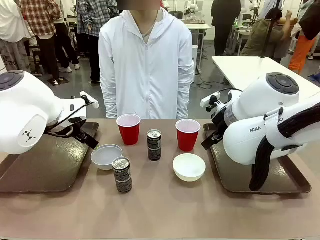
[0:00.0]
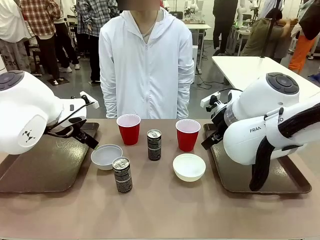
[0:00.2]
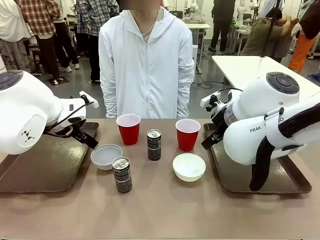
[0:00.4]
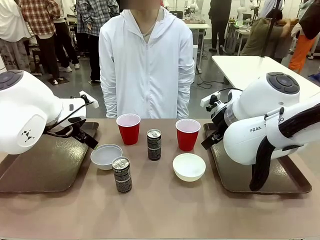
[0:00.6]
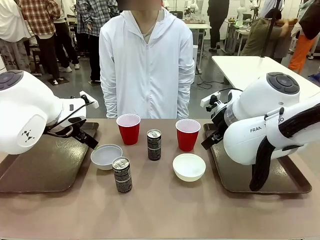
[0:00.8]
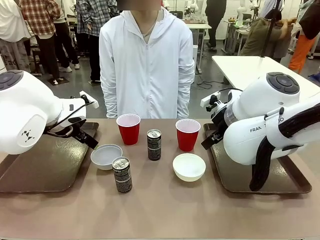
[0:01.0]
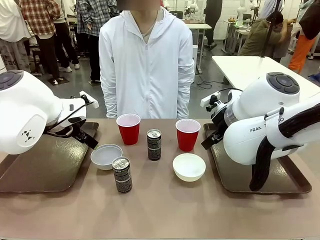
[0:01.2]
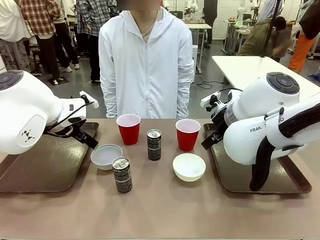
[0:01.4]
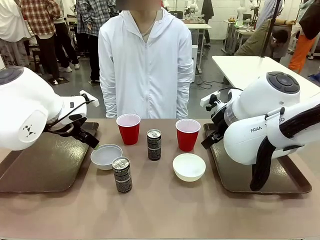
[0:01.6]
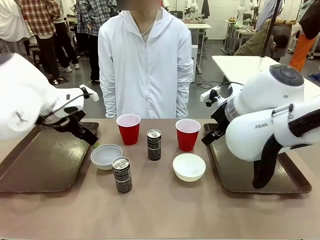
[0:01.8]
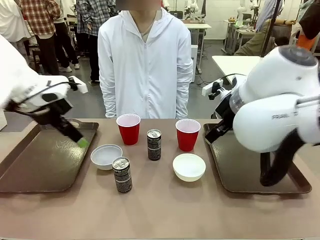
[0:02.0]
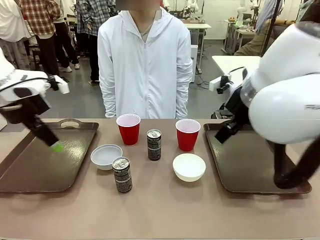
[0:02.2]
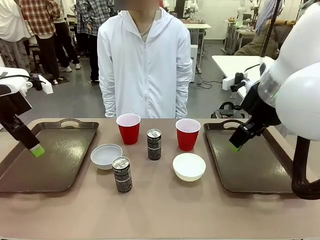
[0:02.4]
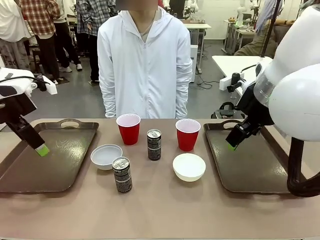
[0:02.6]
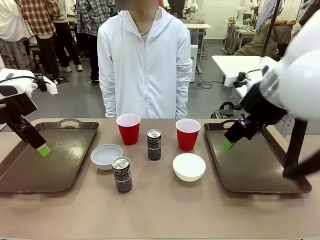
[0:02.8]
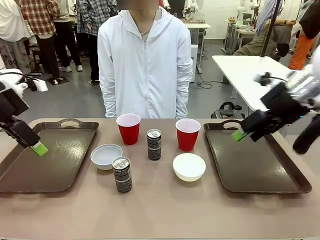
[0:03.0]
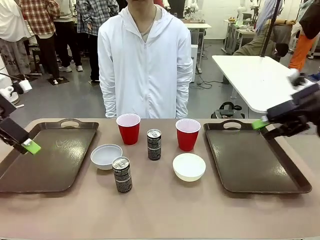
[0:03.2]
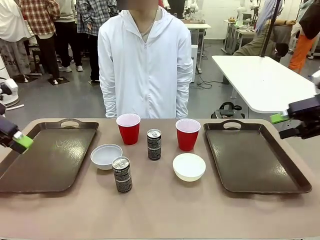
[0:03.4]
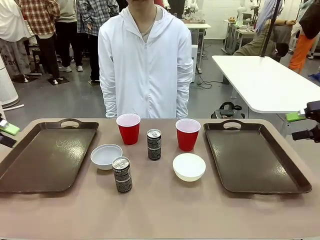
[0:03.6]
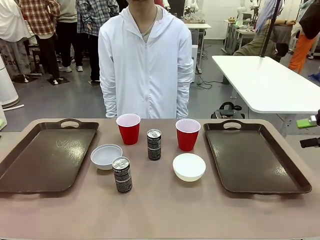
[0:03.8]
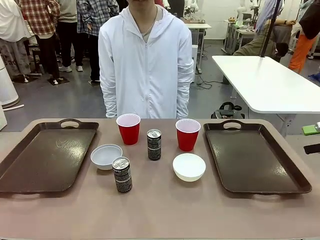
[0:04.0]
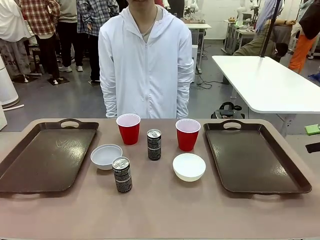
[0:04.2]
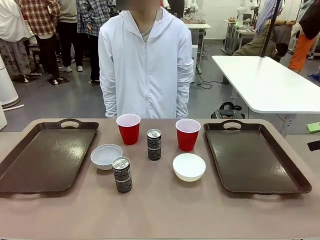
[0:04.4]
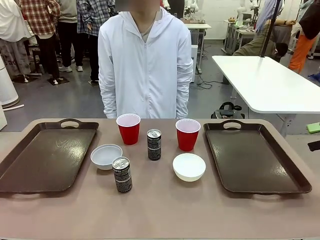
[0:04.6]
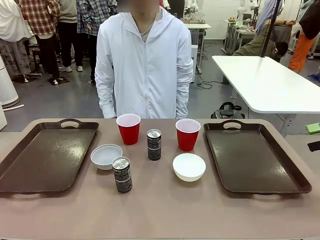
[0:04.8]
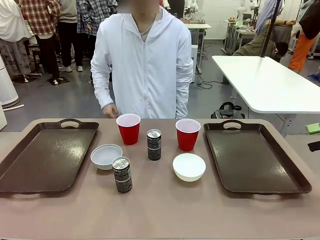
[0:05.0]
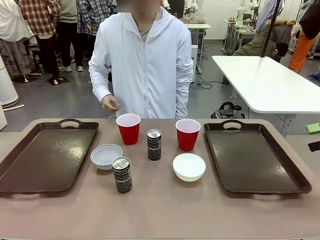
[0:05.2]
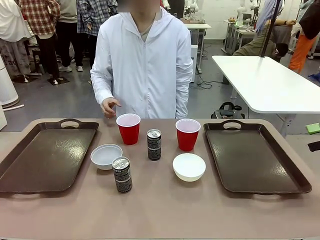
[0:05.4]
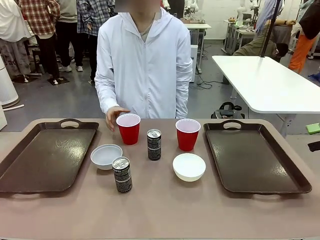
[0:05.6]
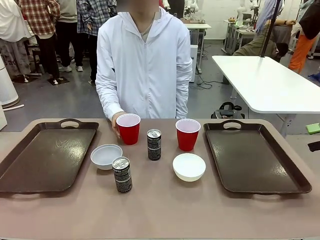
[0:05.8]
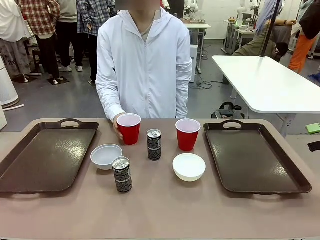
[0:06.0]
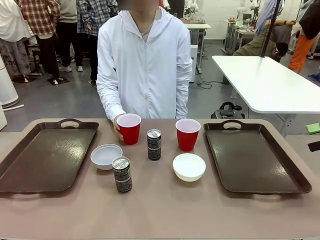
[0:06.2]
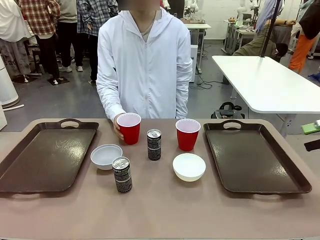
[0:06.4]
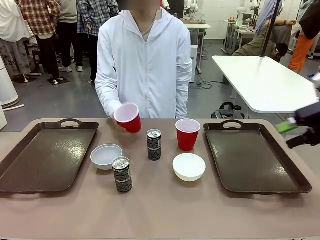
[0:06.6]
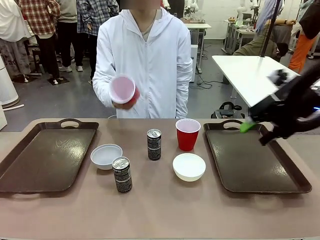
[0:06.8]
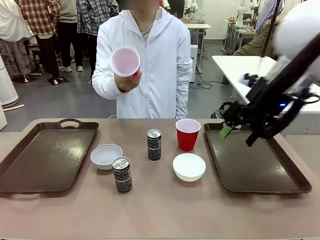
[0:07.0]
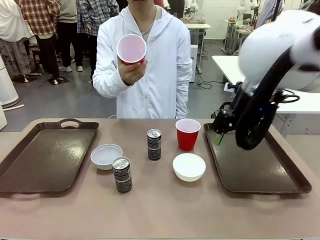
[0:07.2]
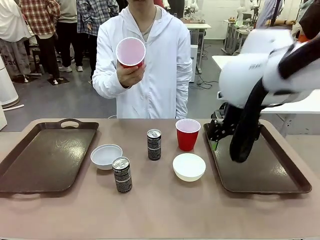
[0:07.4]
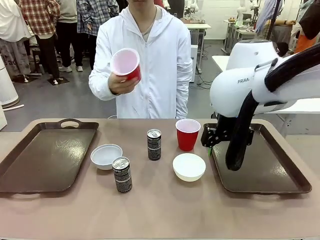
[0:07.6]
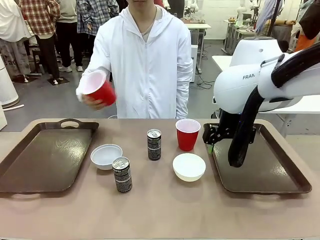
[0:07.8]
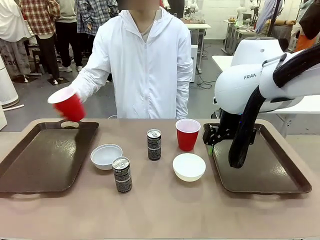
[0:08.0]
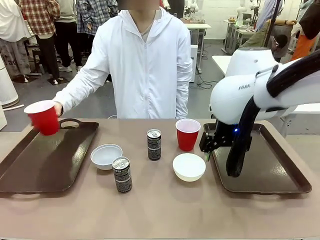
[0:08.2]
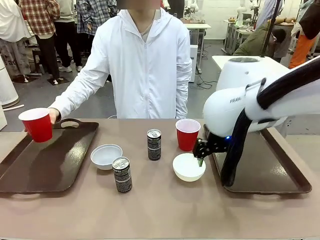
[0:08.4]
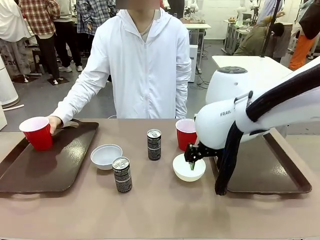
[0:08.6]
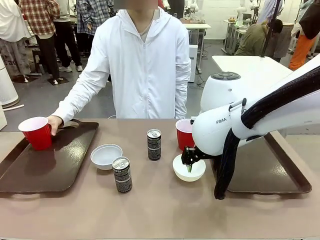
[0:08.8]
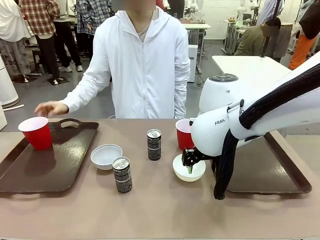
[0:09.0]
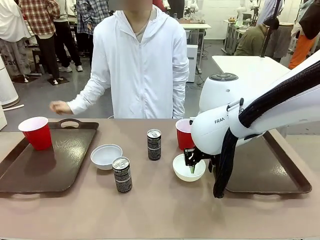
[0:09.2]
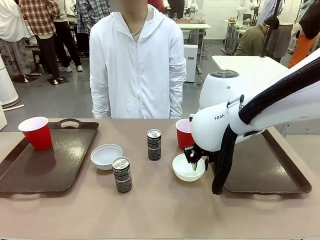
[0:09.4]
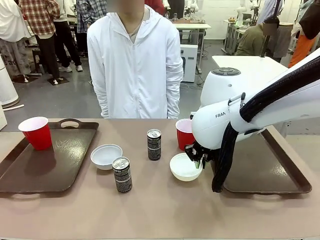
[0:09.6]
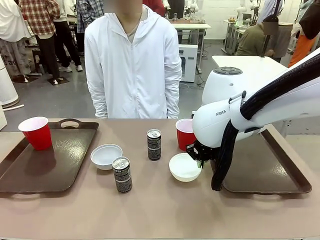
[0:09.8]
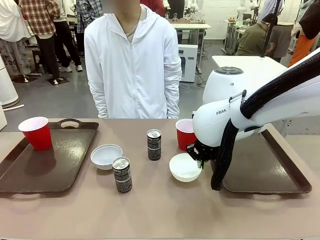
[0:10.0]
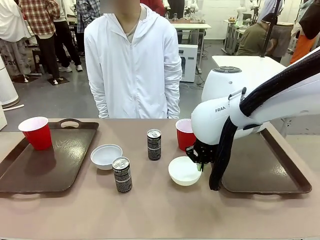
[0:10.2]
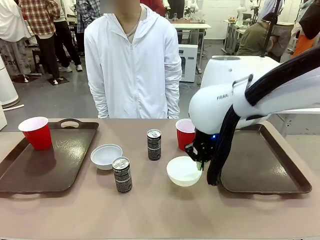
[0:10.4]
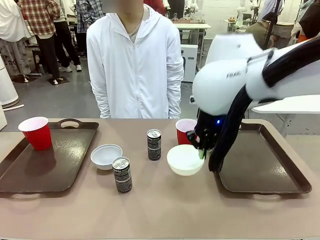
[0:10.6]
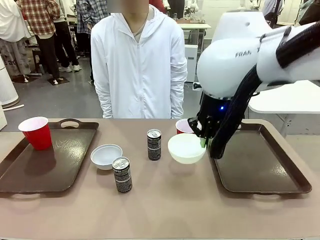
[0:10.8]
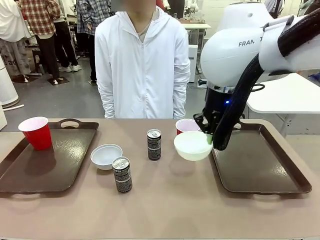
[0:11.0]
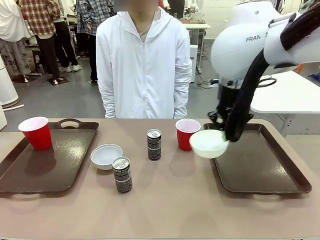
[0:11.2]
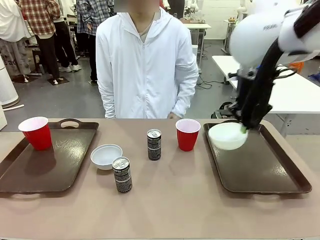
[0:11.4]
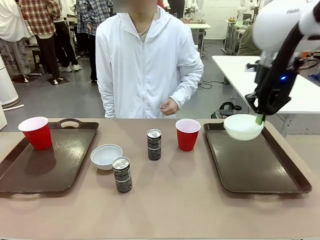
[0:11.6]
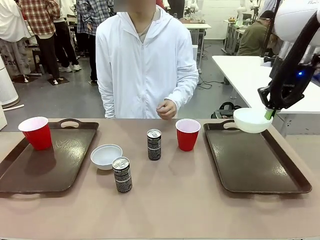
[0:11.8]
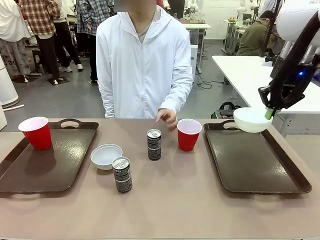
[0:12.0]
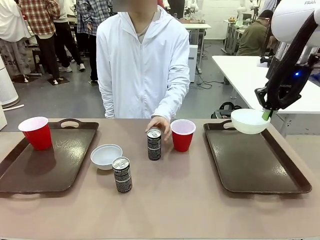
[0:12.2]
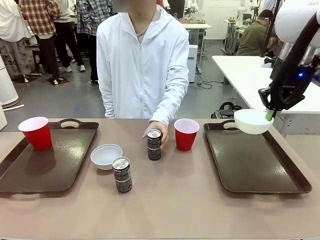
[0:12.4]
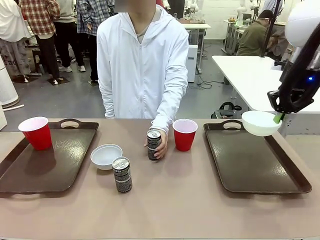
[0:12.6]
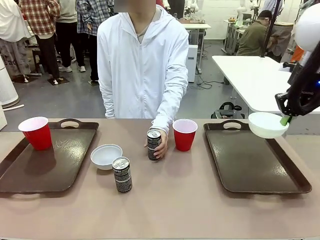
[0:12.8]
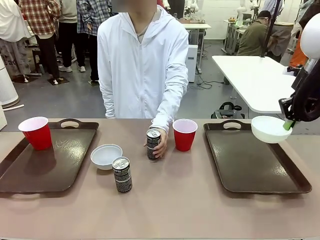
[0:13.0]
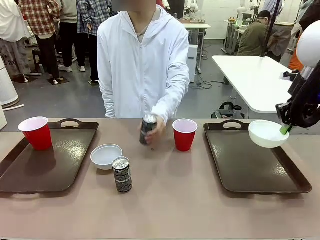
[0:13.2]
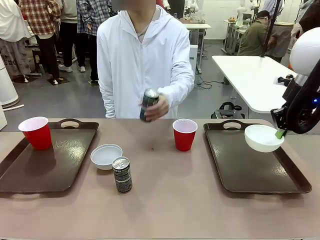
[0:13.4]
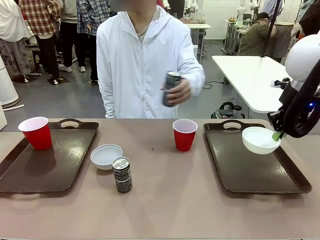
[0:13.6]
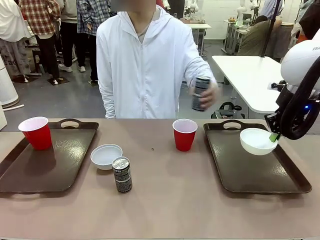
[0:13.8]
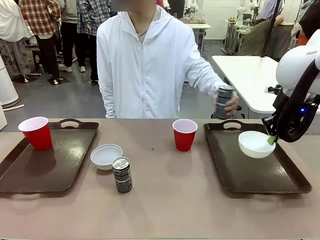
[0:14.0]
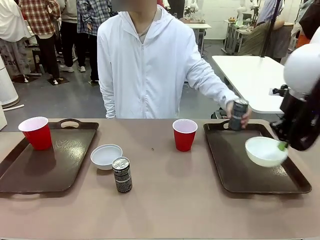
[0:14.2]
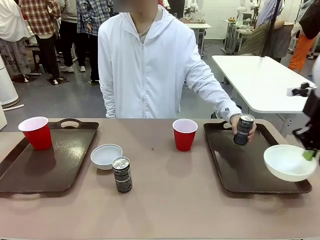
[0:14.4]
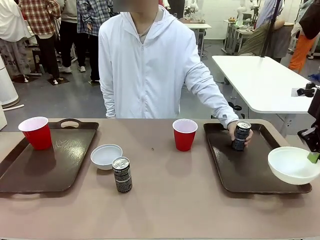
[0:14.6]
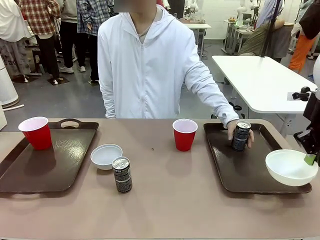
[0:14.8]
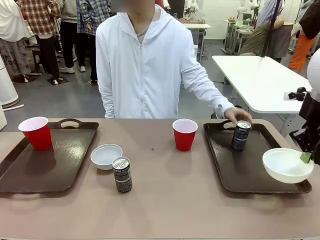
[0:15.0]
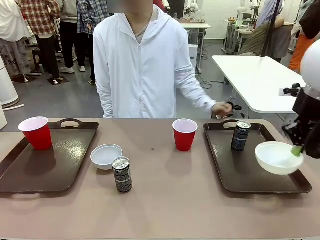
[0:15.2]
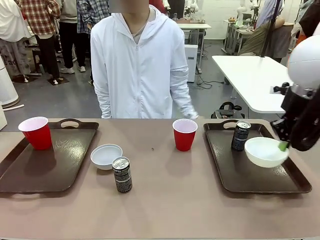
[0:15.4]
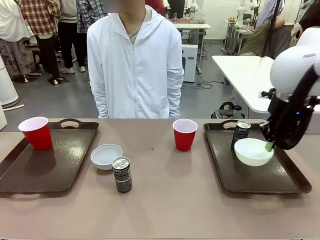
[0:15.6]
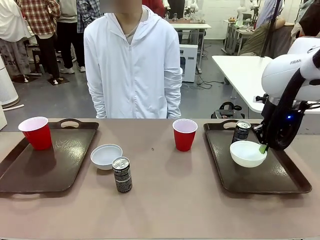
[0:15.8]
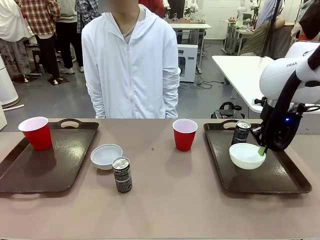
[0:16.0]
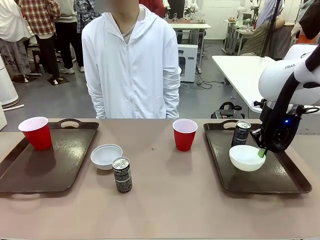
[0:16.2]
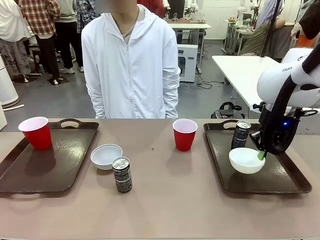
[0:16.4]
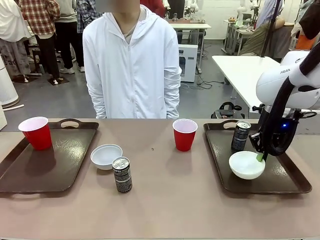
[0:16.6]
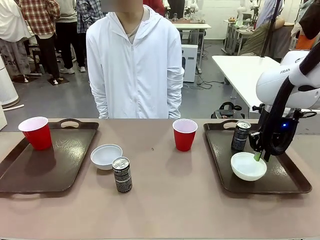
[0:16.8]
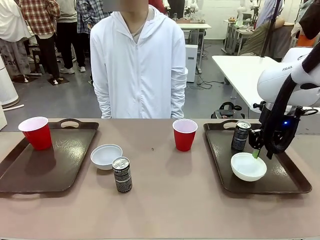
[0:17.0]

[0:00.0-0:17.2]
Task: Prepare tableware on both trays.
Robot: Pick up a Picnic Bowl from the table and place it on a Handle tray.
Person: Pick up a can or cup and place it on the tray.
